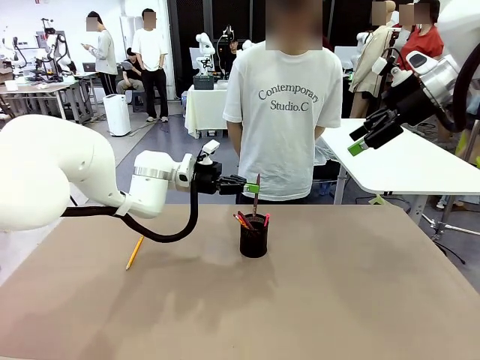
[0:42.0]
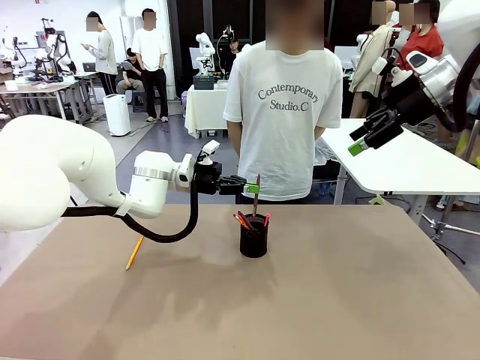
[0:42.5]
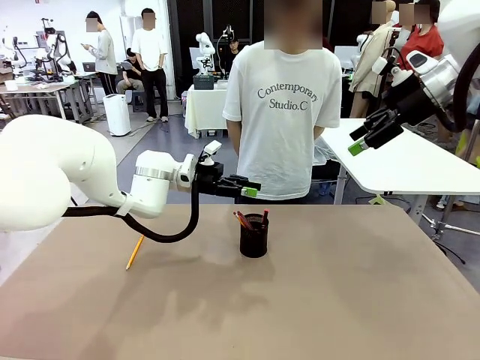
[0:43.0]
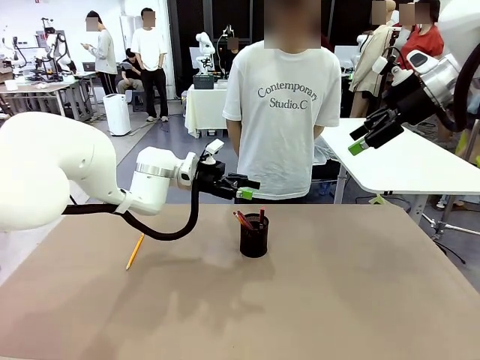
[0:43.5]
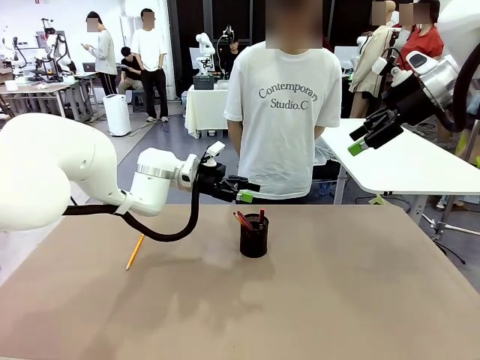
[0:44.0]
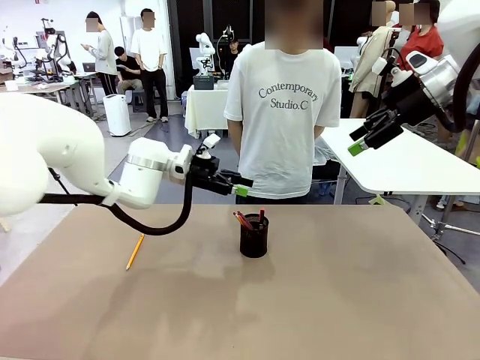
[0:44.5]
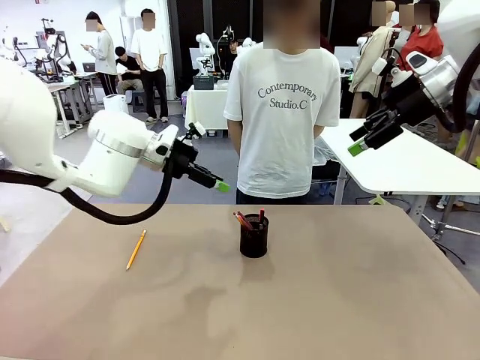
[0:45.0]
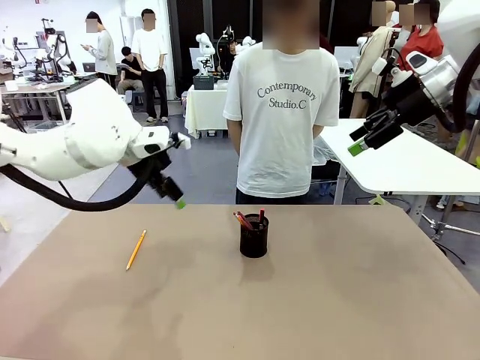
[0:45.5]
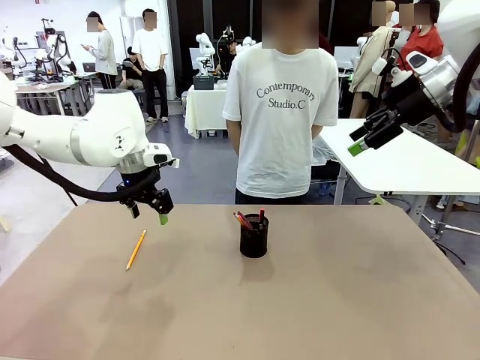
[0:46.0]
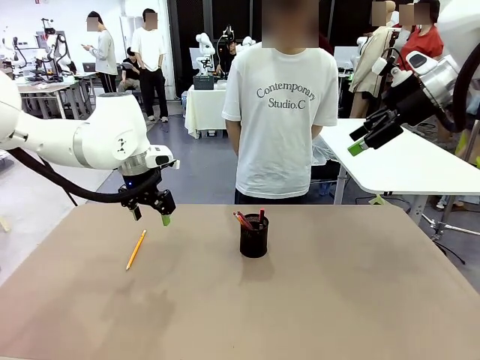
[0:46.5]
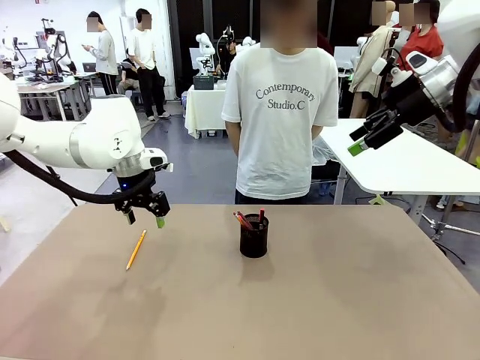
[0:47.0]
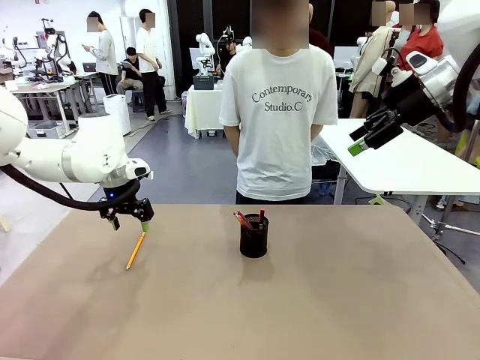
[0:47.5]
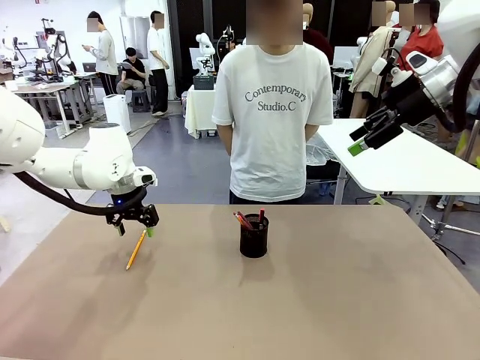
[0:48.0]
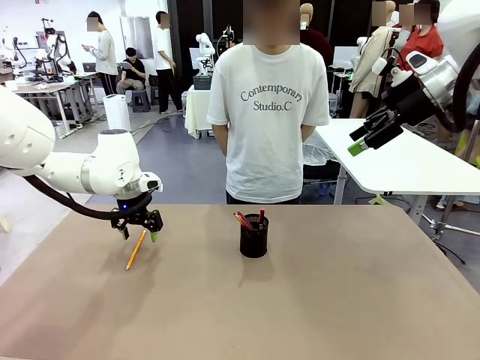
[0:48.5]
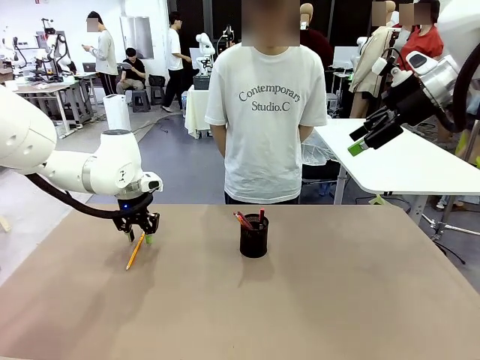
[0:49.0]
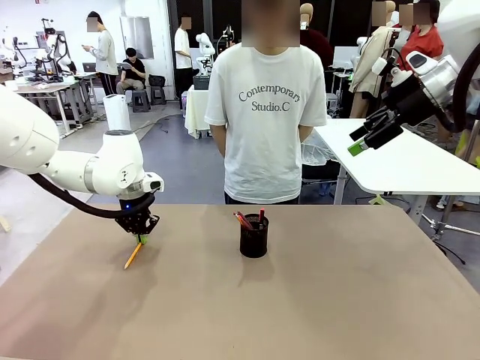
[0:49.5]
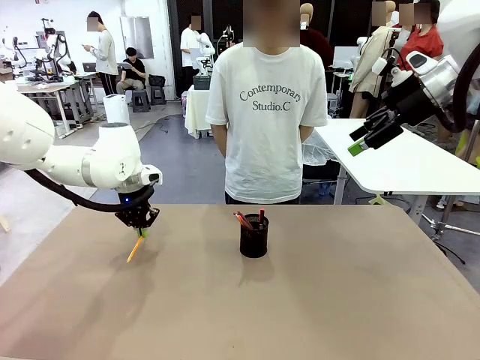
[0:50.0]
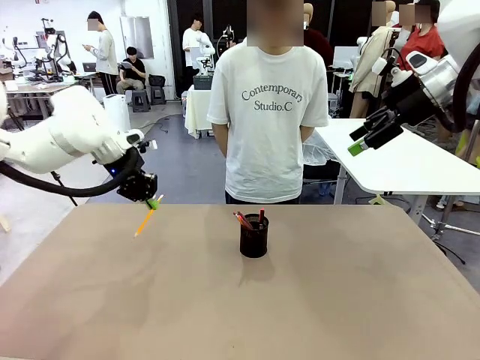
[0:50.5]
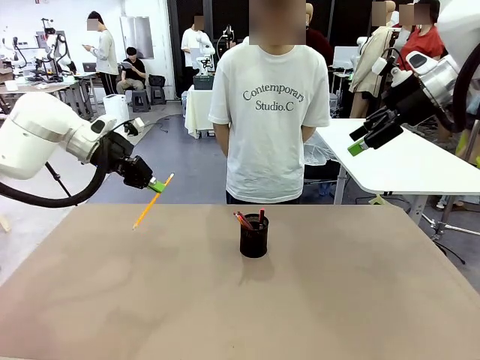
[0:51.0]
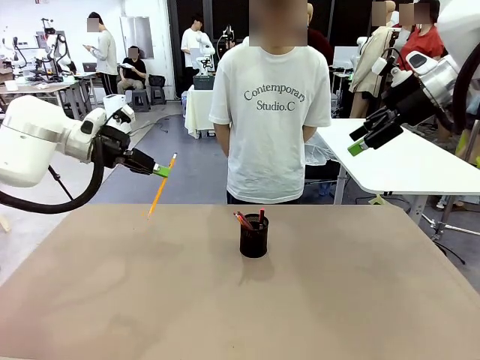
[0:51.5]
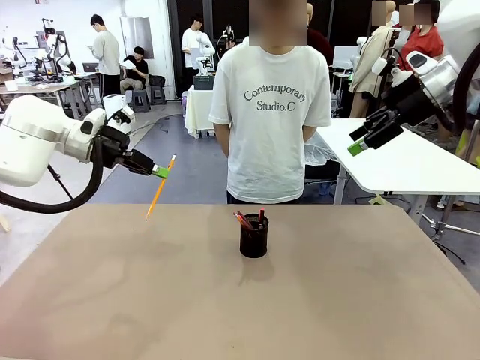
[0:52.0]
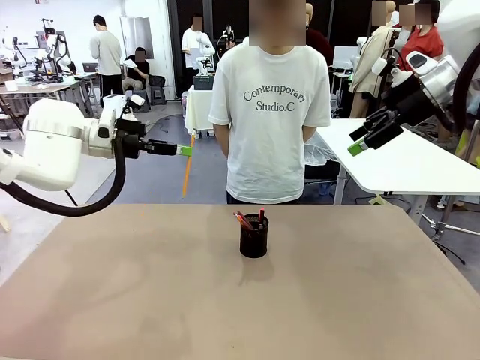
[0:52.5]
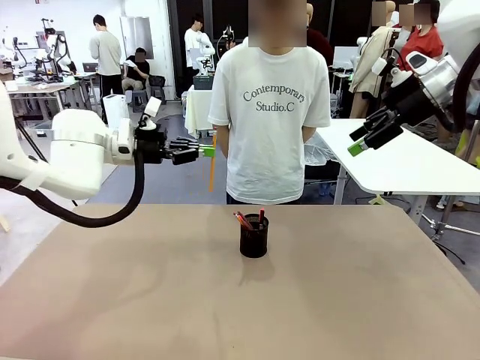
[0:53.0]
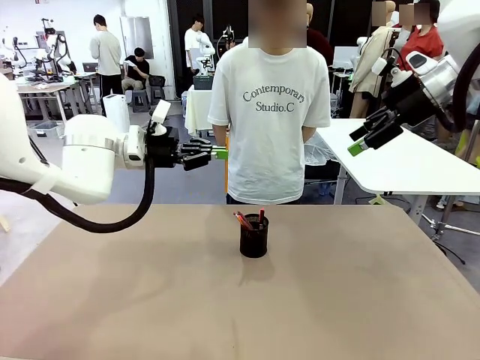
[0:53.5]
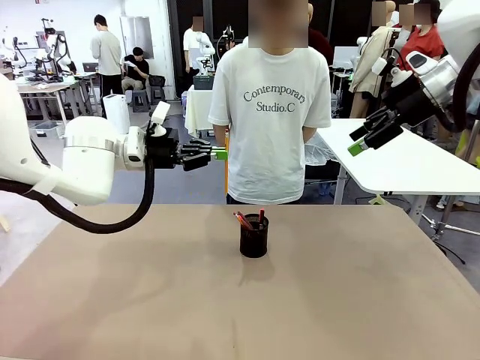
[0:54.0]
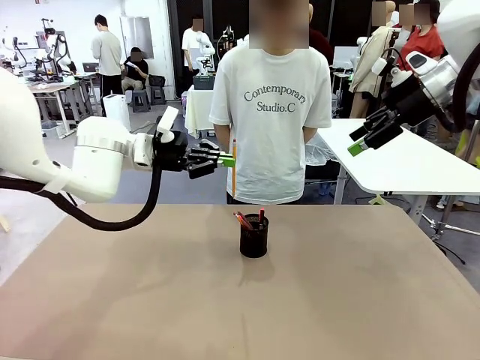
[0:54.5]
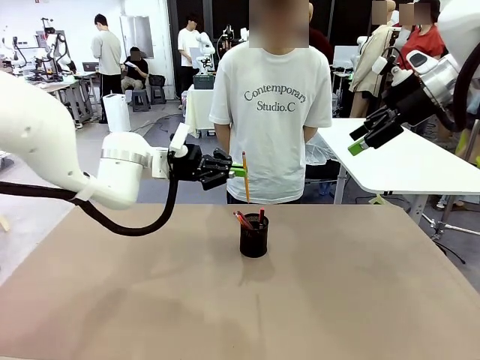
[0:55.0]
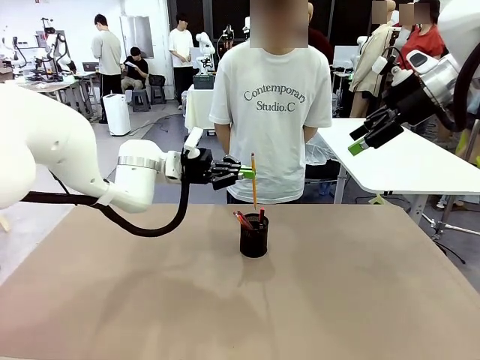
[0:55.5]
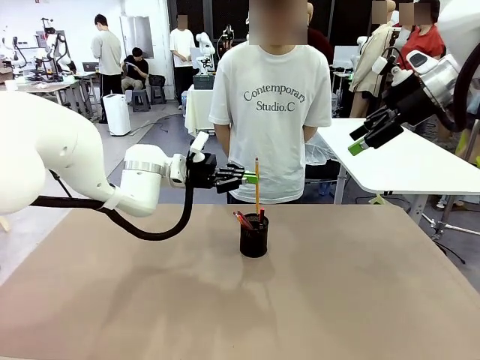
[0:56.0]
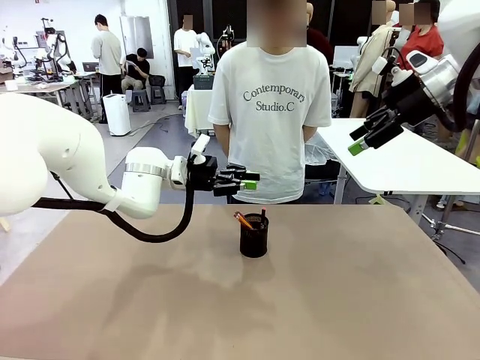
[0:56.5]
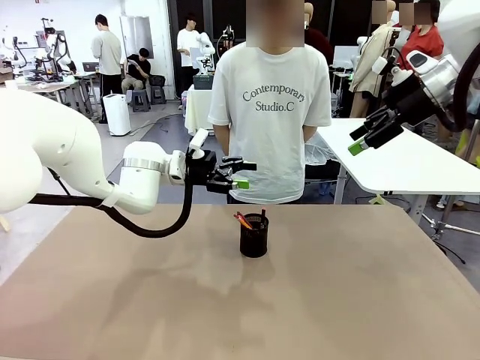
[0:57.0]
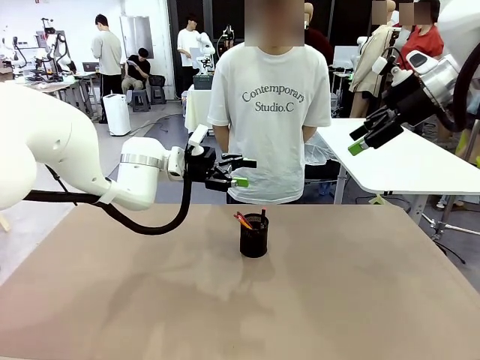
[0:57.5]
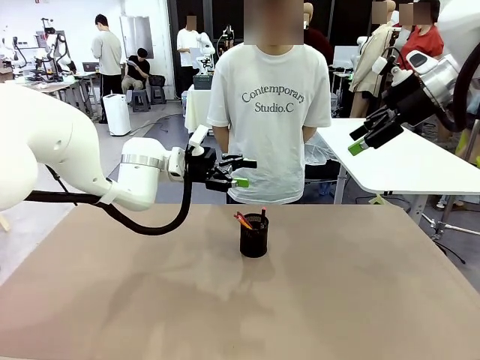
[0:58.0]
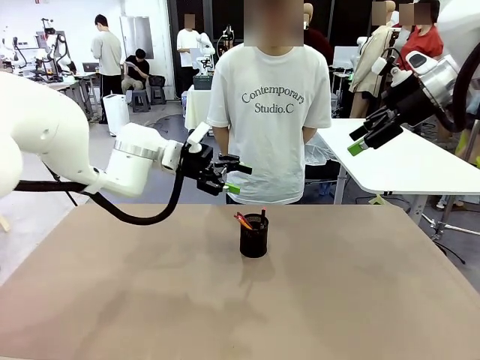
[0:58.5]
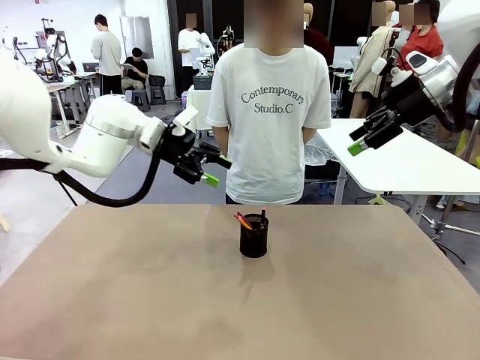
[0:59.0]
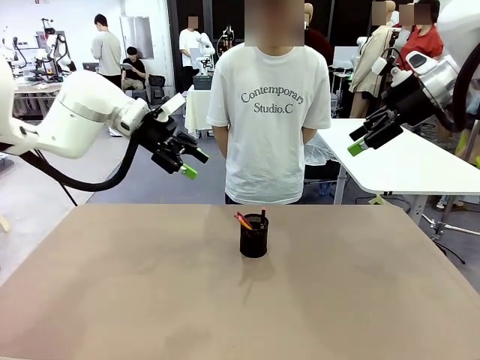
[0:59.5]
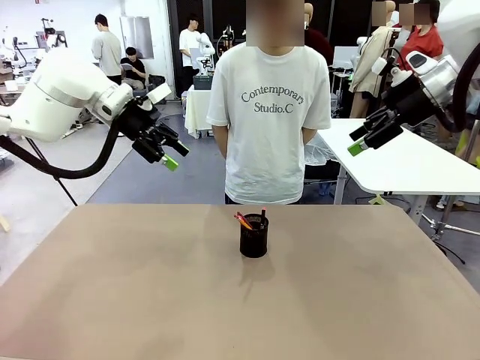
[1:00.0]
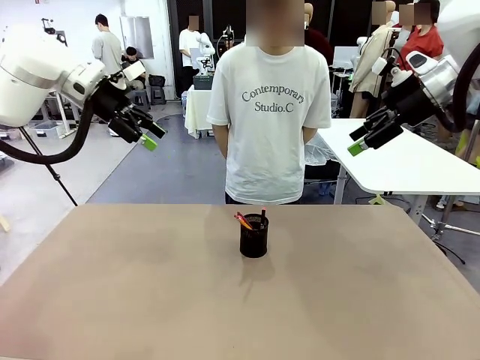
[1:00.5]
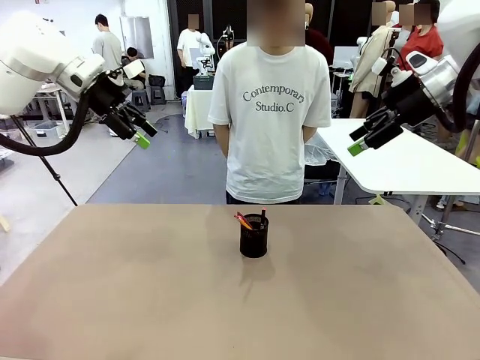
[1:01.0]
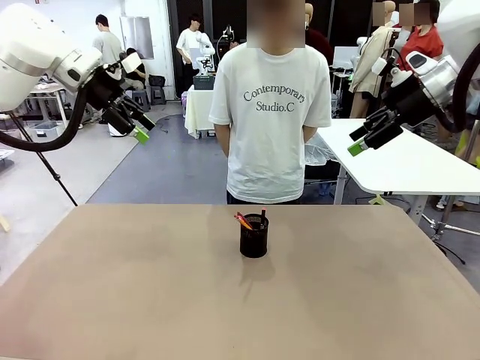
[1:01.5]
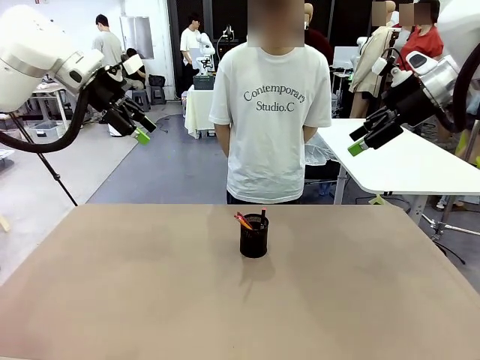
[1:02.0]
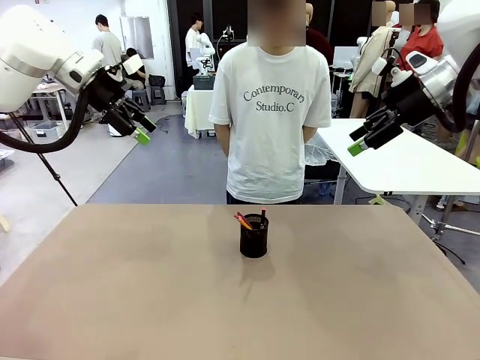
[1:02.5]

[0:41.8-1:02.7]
Task: Place the pens into the pen holder.
Robot: Pick up a writing instrument from the table and place it into the Pen holder.

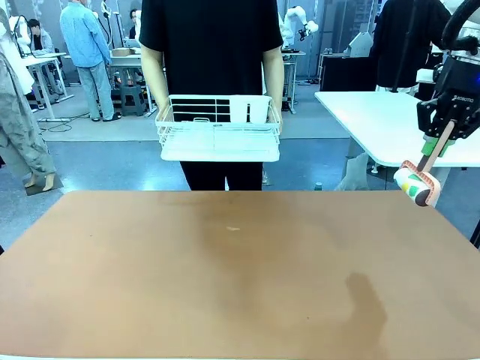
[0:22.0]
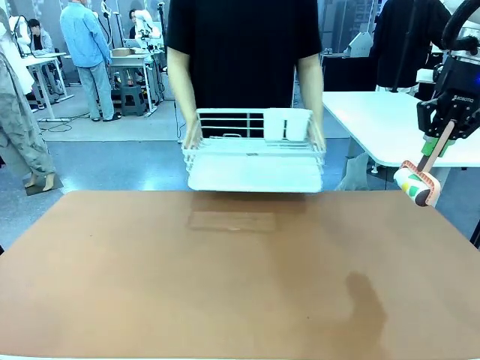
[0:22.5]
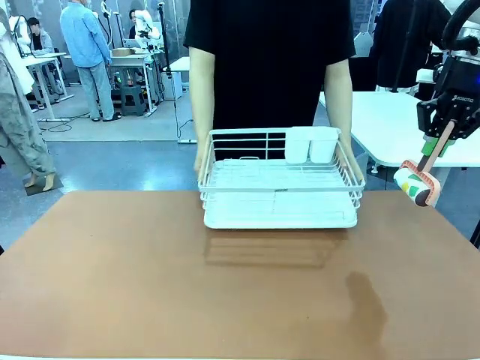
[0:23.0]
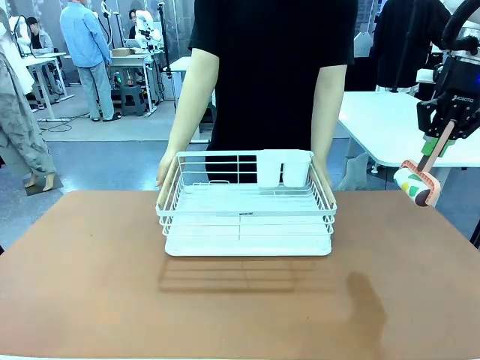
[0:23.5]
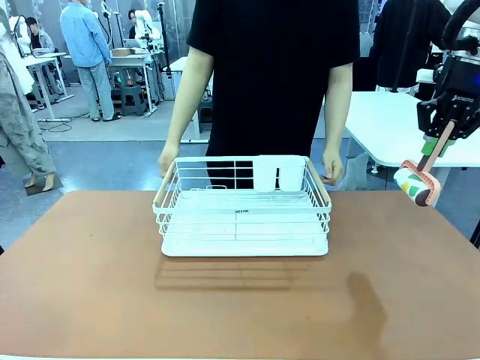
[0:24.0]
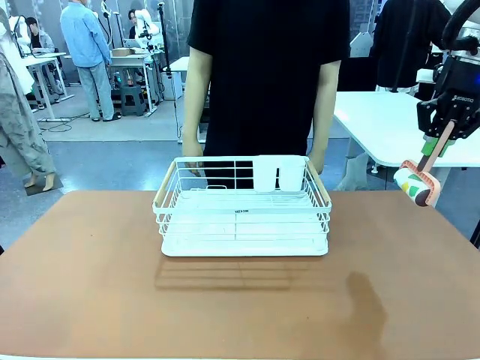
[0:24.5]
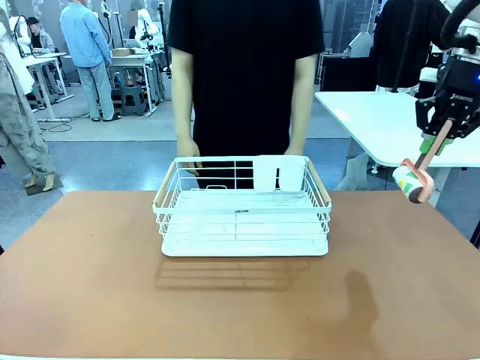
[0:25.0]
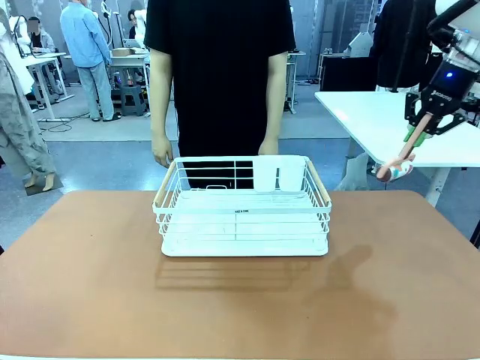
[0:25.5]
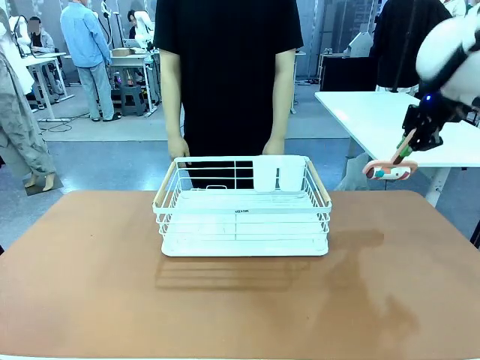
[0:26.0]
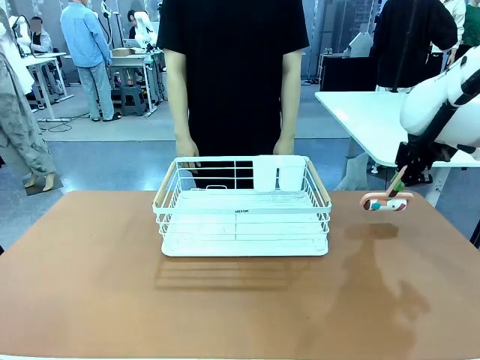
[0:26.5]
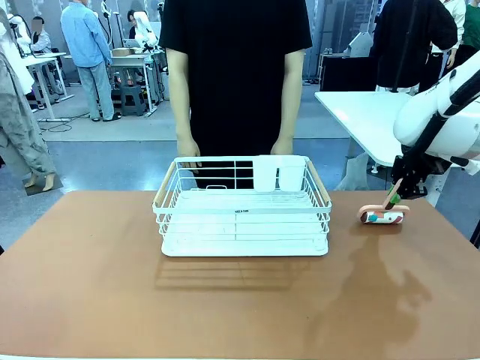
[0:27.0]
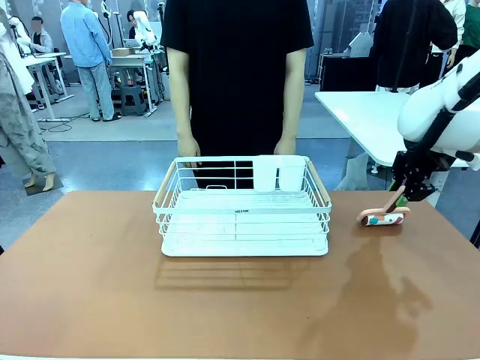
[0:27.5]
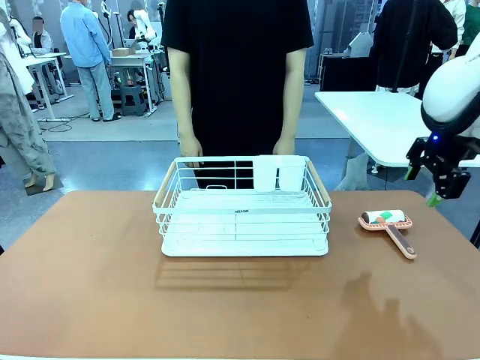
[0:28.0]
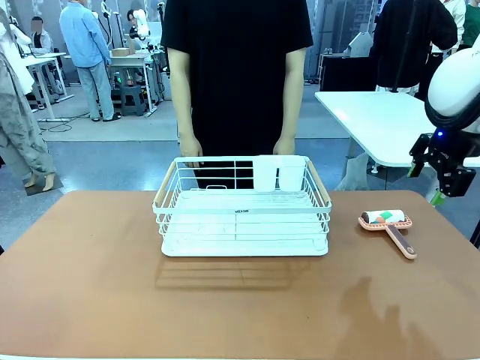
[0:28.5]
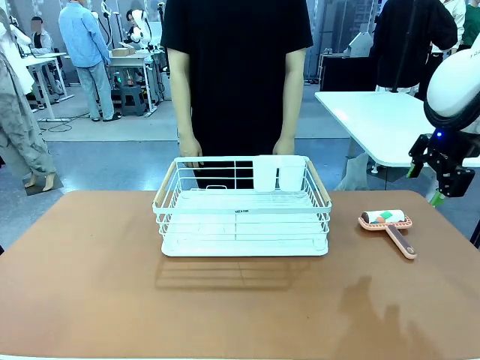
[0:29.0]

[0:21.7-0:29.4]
Task: Clean the table.
Robot: Place the Lint Roller down when the Dish drying rack is positioned in the middle of the table.
Person: Place the Dish drying rack down when the robot finishes cleaning.
